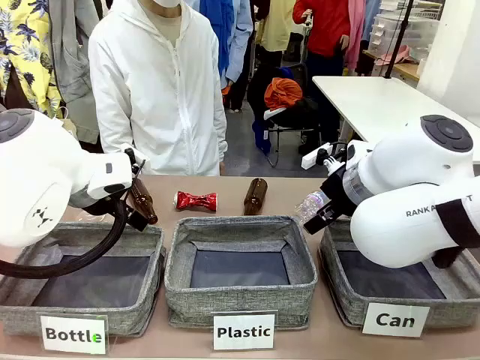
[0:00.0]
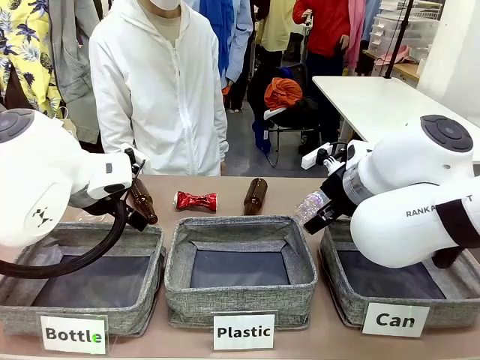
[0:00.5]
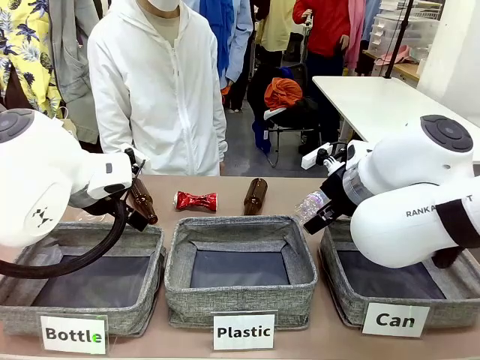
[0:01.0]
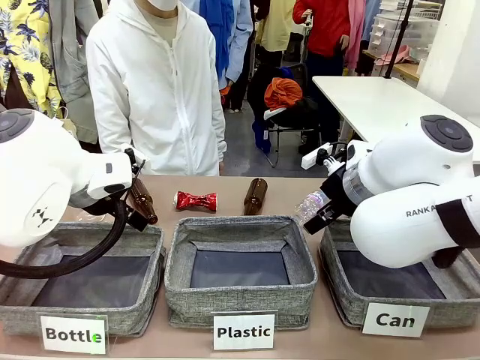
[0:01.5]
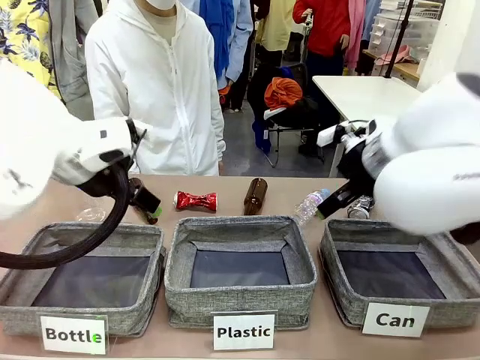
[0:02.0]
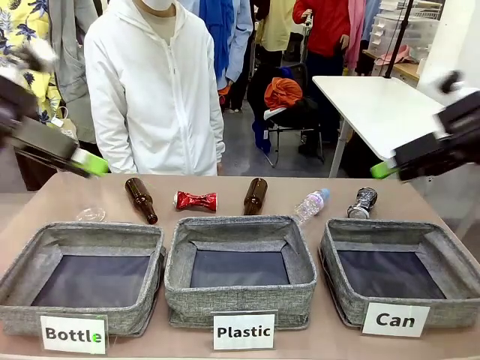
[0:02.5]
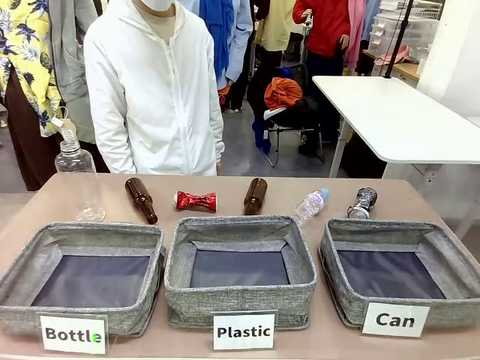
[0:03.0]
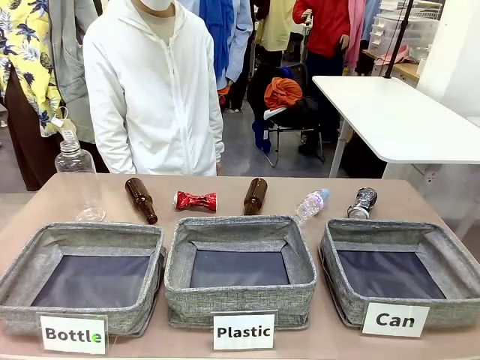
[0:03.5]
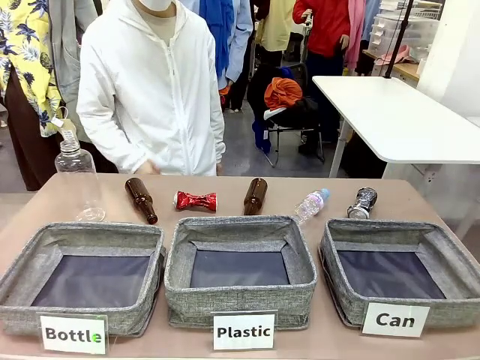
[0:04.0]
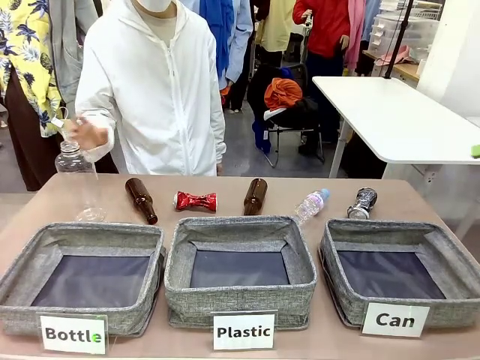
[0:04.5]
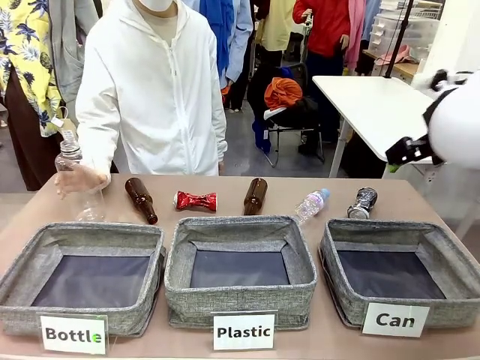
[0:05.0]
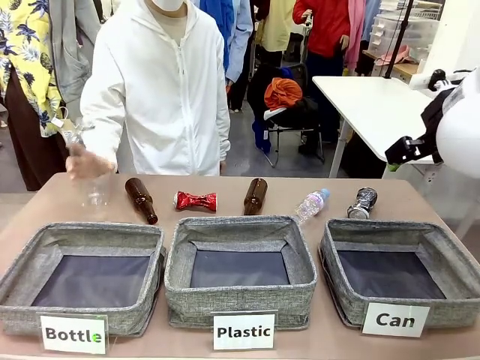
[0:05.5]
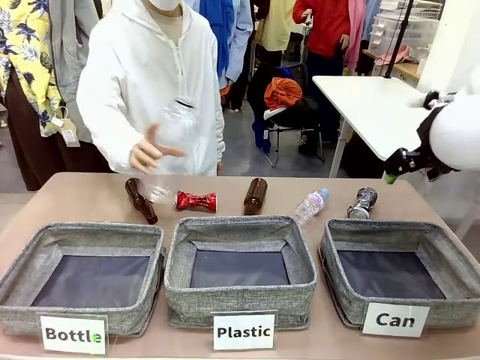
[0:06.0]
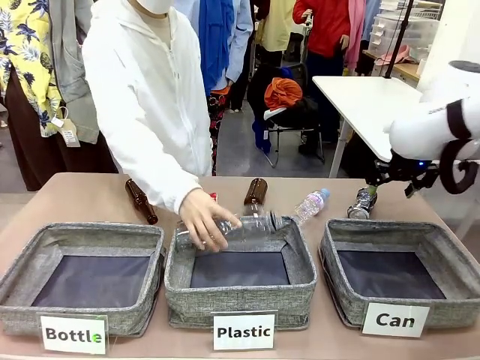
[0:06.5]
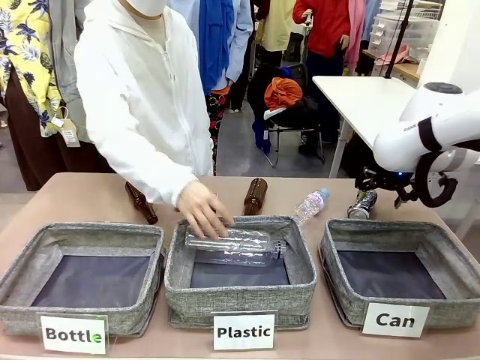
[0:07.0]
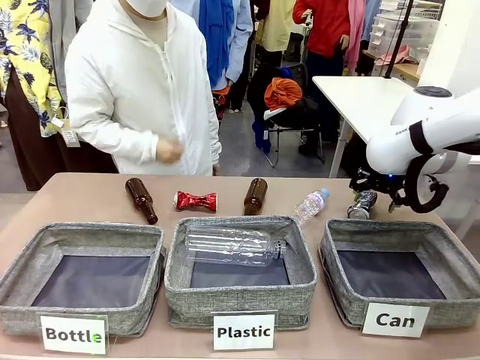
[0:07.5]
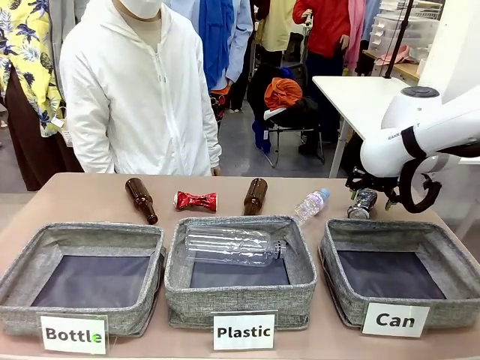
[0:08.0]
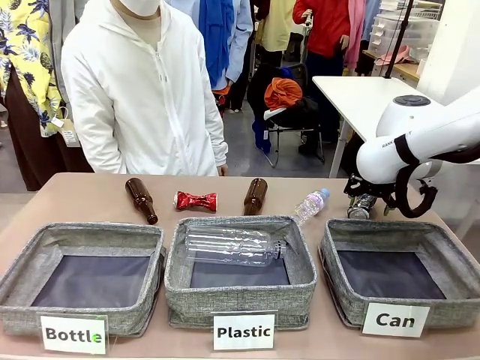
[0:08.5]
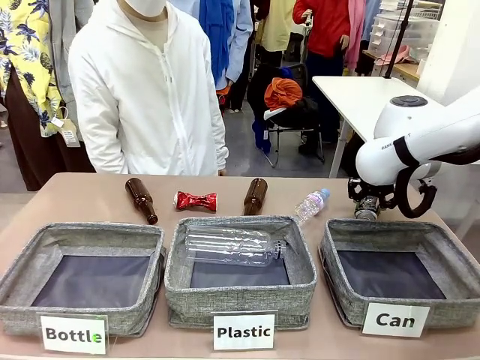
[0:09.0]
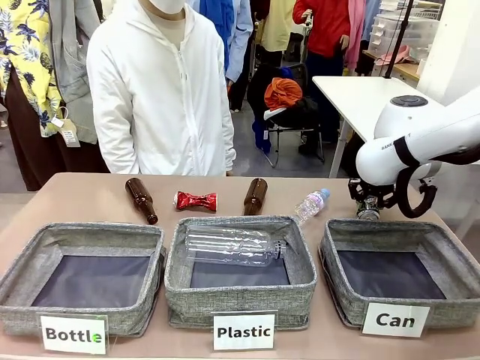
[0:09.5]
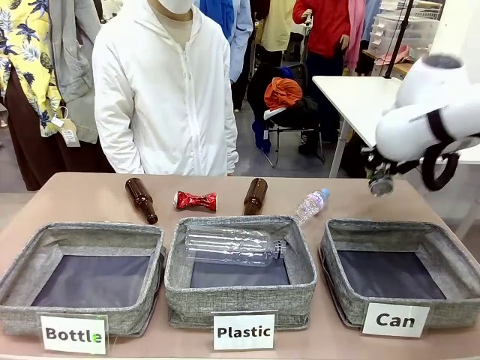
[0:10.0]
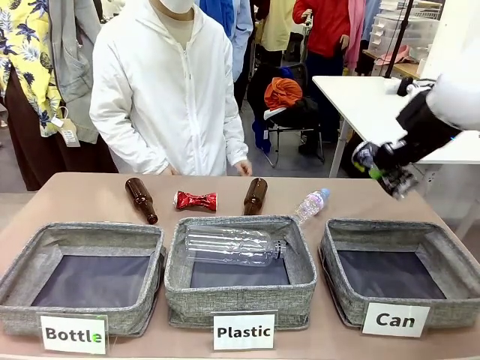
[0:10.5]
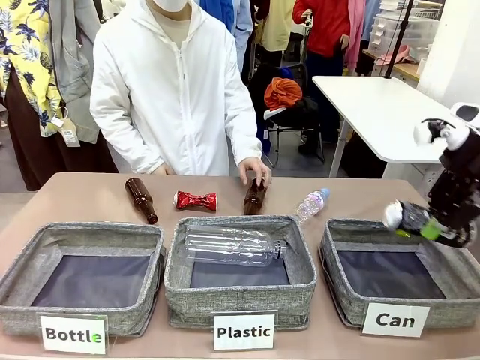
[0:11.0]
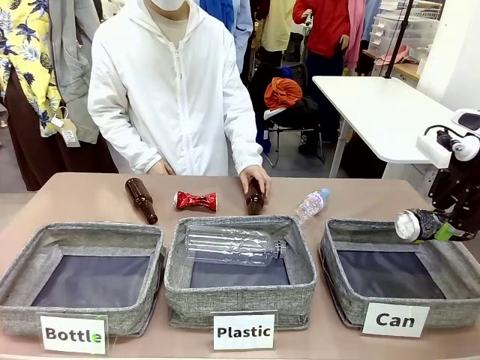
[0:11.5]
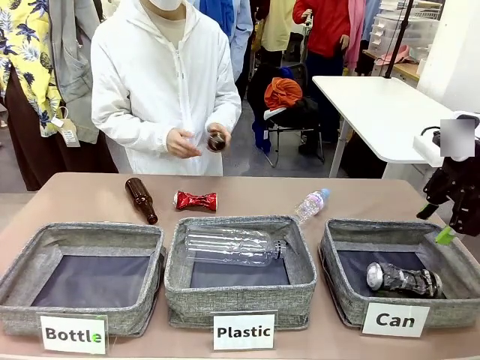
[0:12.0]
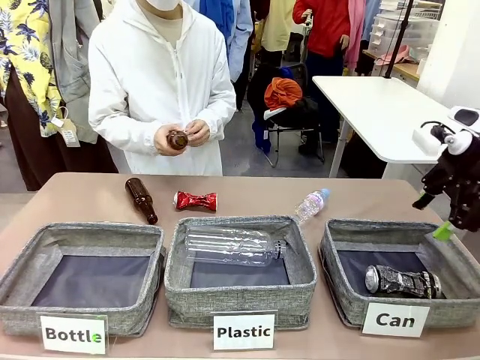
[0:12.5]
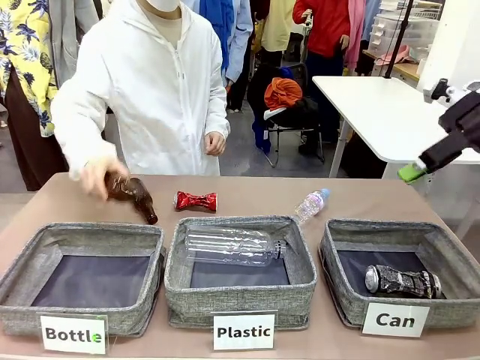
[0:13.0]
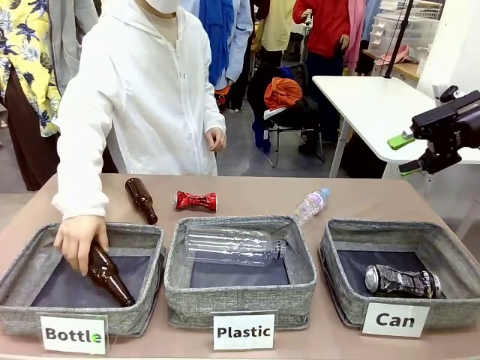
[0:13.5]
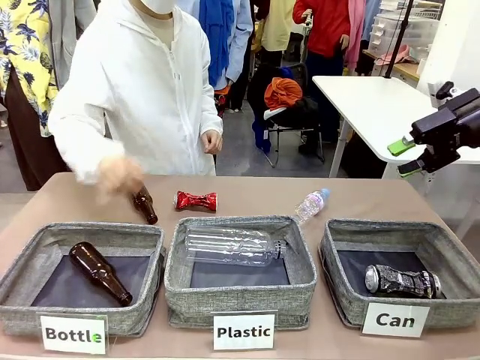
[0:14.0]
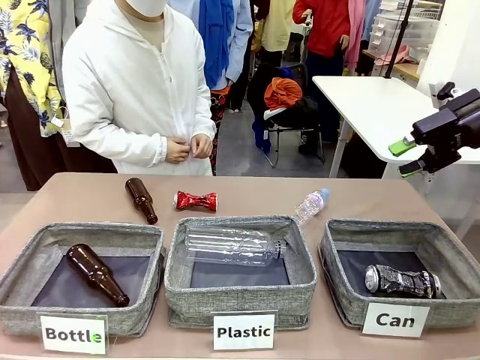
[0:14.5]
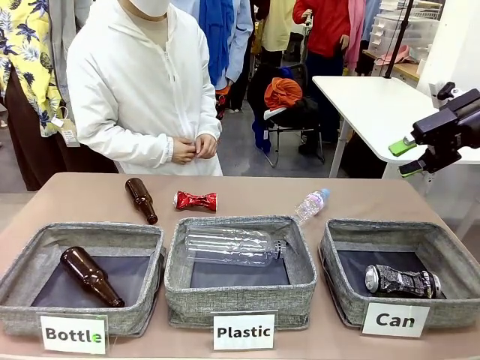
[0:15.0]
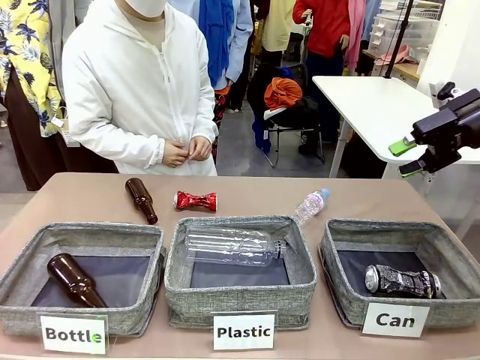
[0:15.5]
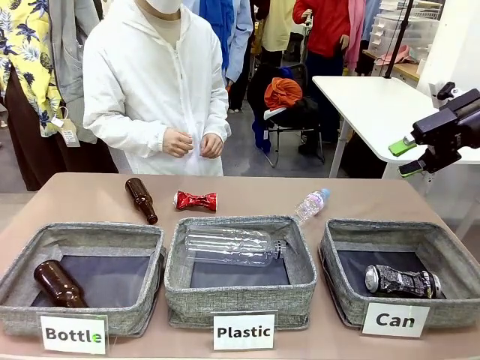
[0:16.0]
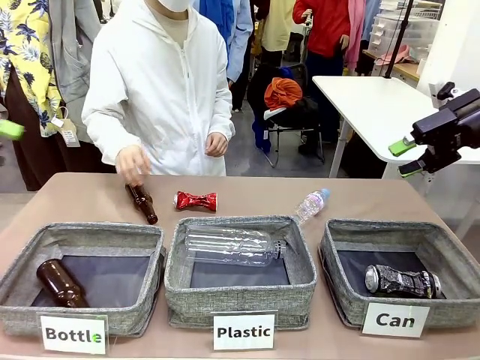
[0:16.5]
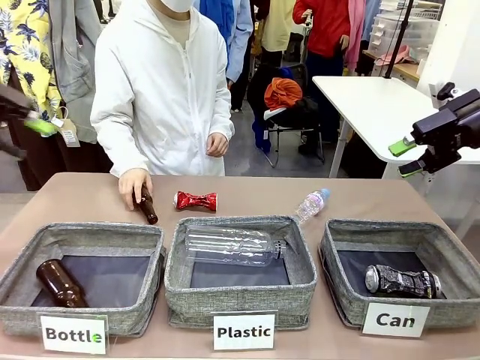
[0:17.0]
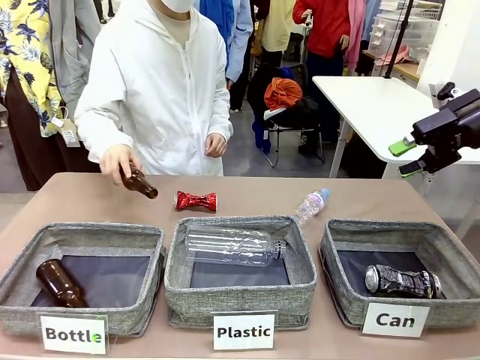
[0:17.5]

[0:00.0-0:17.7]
Task: Sort the can waste into the basket.
Robot: Pick up the can waste from the table and place it in the right Fabric basket.

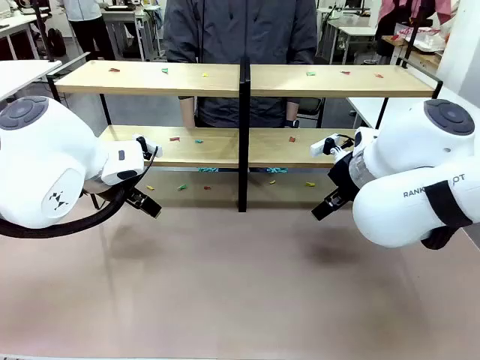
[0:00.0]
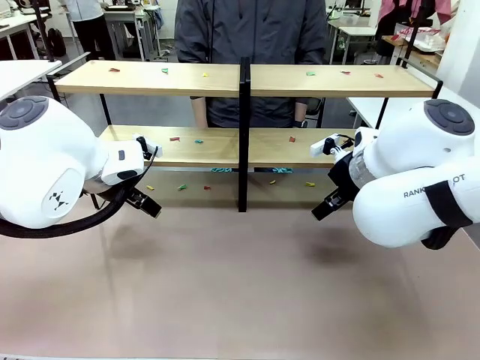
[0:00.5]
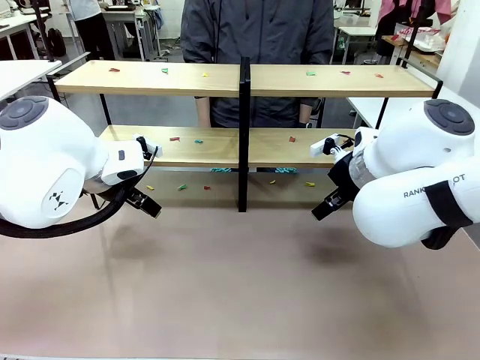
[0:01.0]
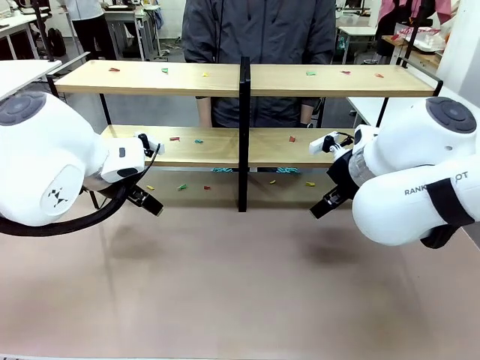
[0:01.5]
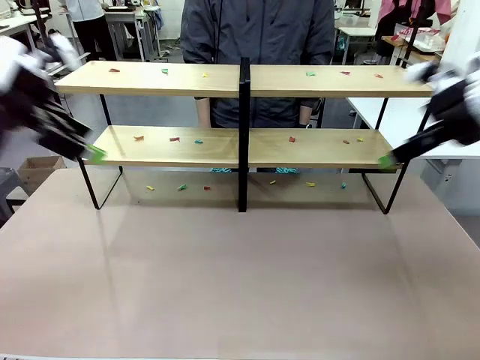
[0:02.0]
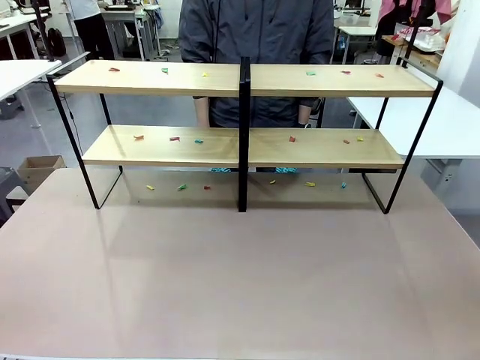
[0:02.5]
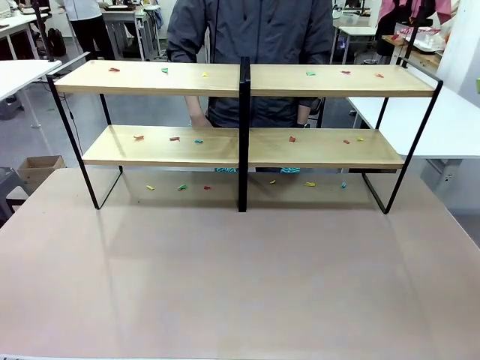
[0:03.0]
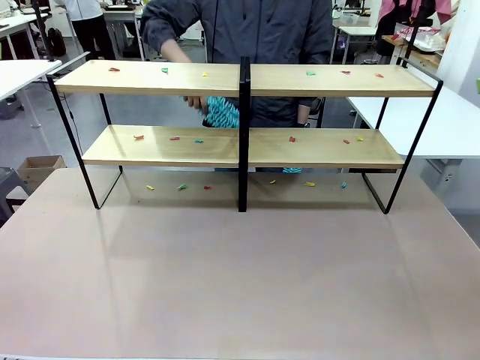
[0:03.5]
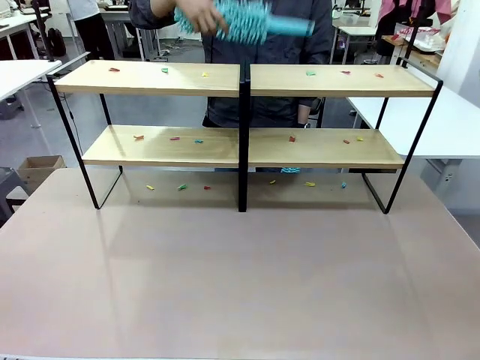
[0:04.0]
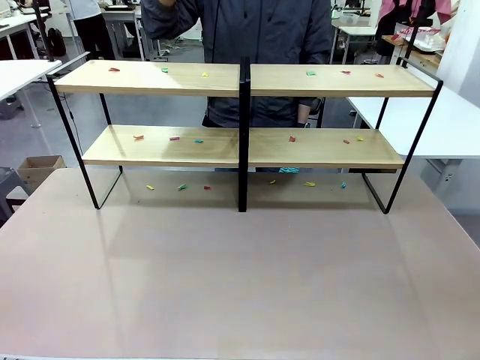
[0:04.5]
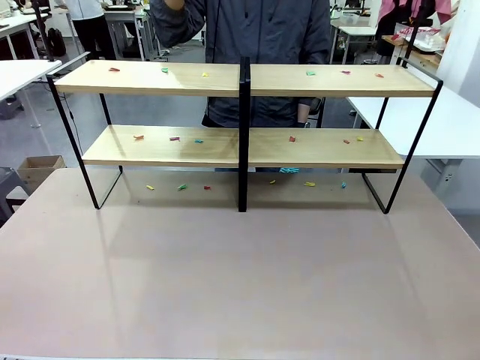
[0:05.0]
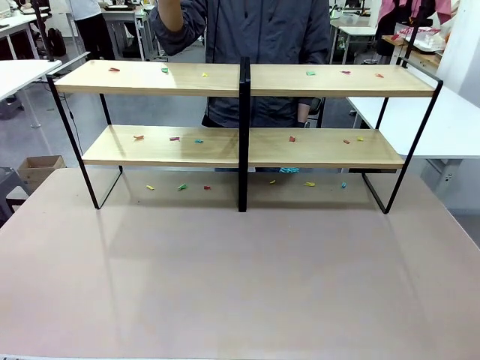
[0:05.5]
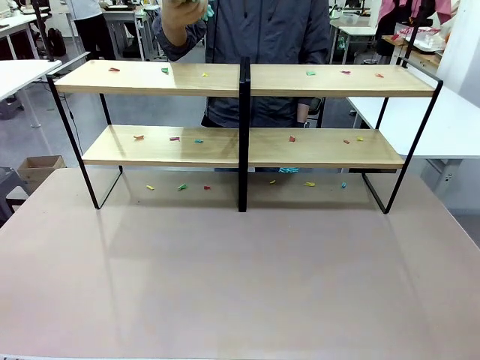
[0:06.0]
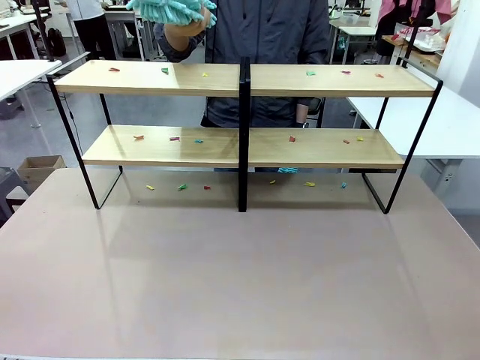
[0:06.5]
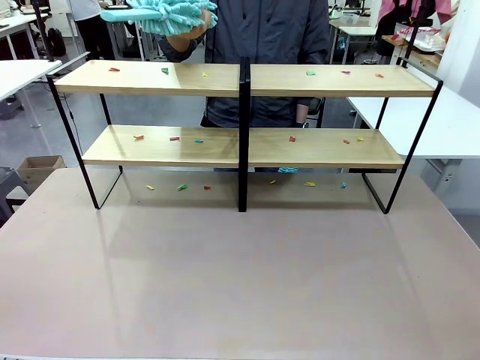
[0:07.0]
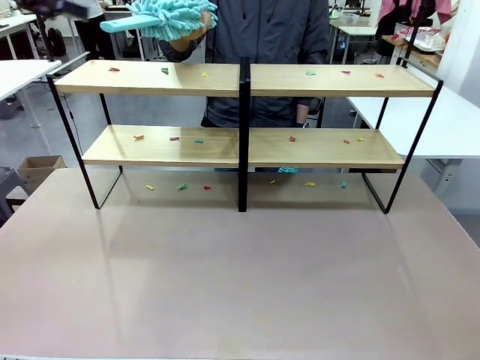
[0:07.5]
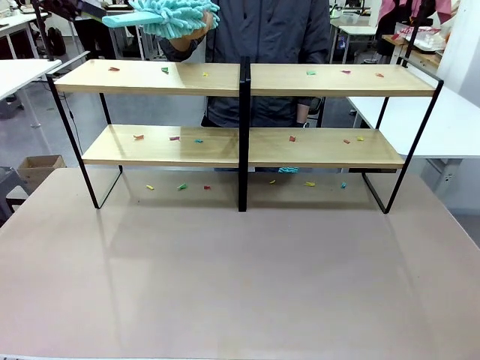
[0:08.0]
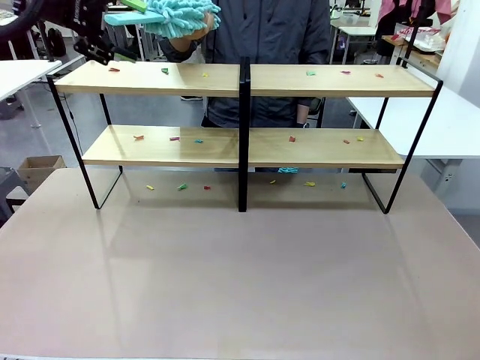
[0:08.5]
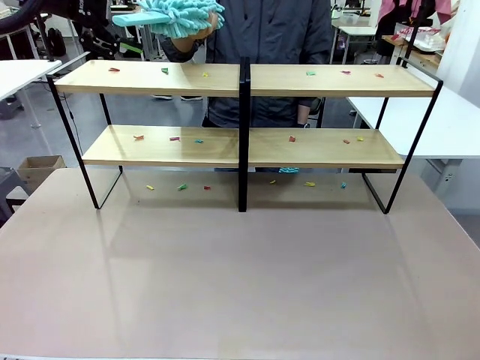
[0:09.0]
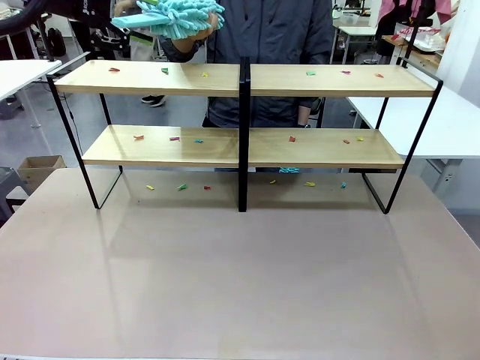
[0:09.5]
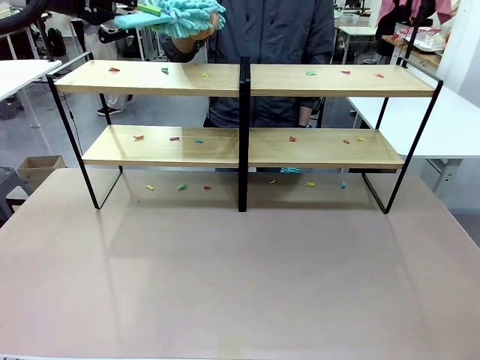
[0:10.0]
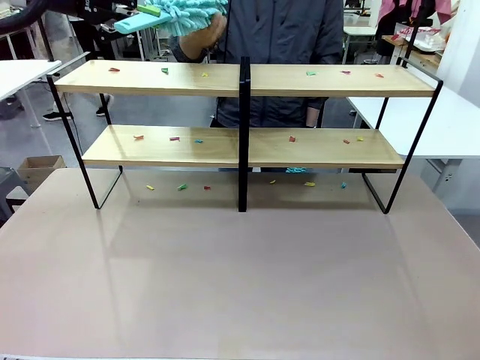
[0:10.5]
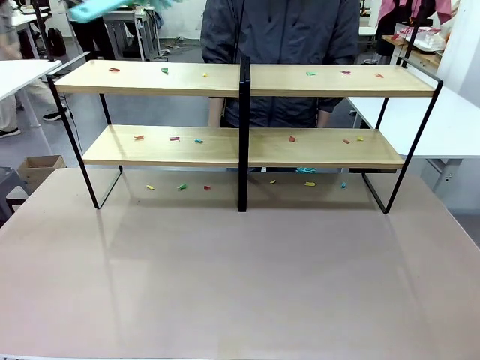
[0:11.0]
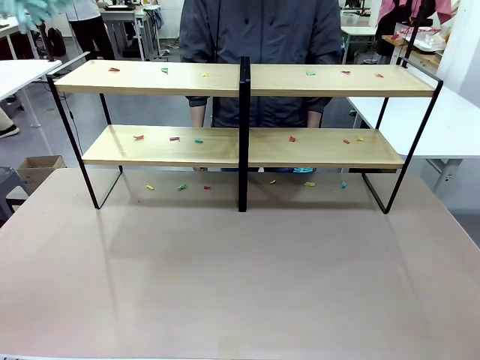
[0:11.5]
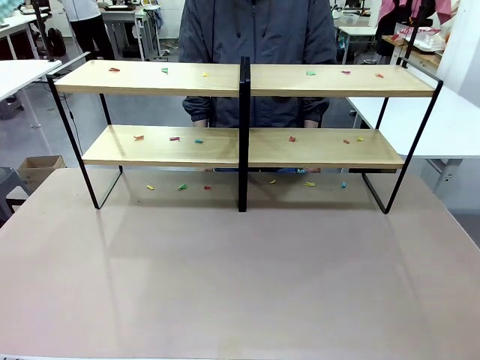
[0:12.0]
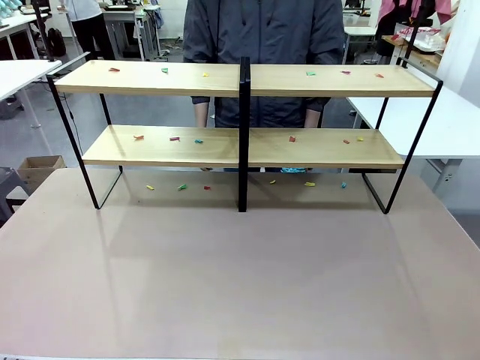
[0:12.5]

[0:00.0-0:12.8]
Task: Clean the shelves.
Robot: Pick up the Duster when the human hands it over.
Person: Hand the Duster to the robot with your right (or left) hand.
